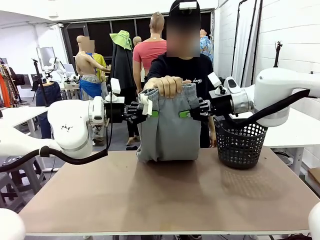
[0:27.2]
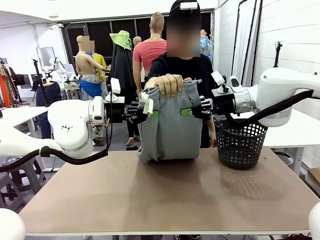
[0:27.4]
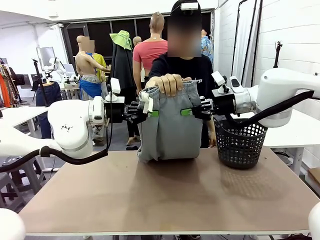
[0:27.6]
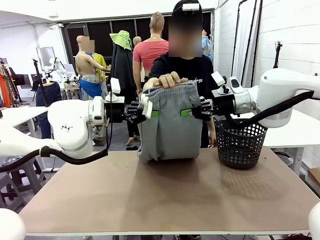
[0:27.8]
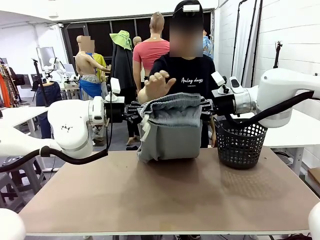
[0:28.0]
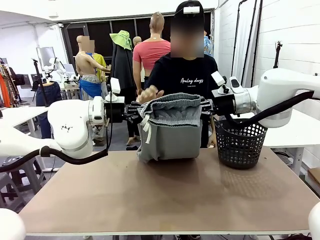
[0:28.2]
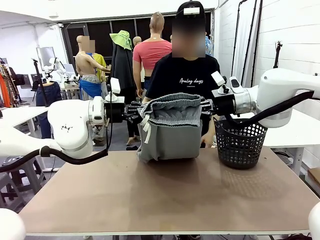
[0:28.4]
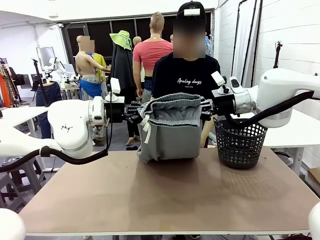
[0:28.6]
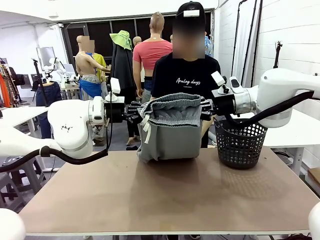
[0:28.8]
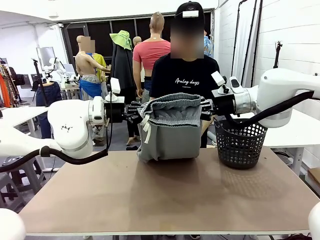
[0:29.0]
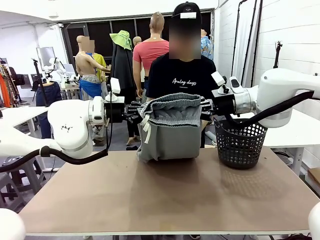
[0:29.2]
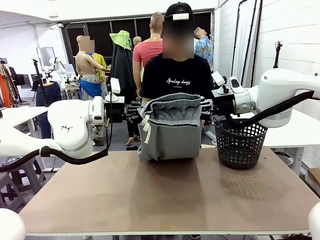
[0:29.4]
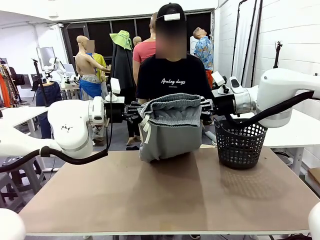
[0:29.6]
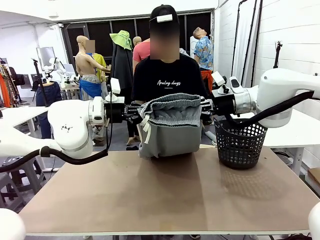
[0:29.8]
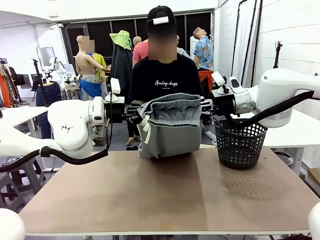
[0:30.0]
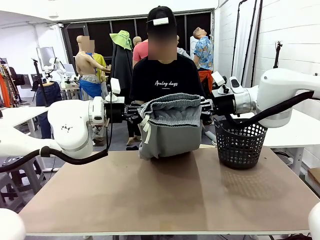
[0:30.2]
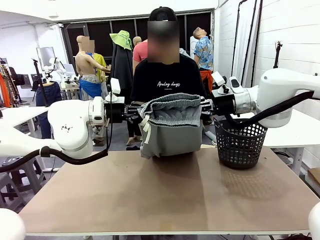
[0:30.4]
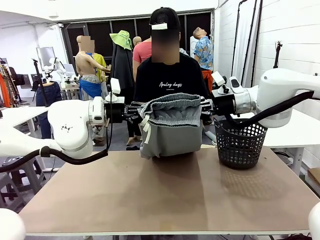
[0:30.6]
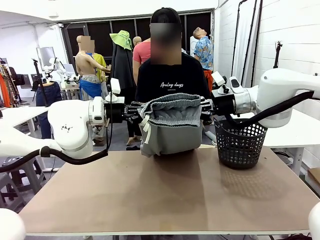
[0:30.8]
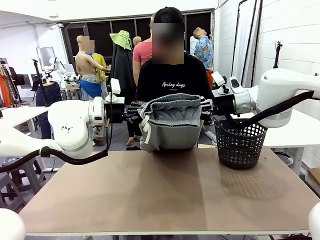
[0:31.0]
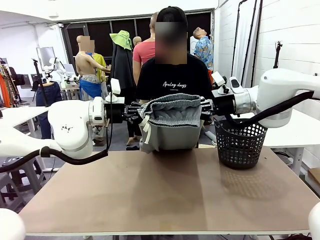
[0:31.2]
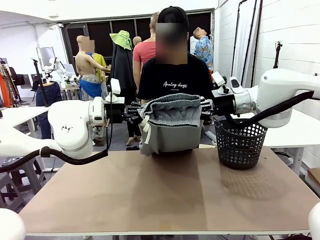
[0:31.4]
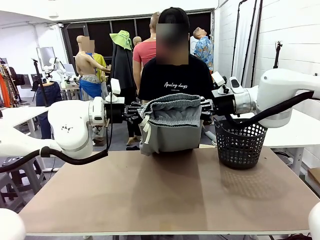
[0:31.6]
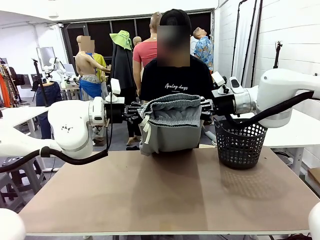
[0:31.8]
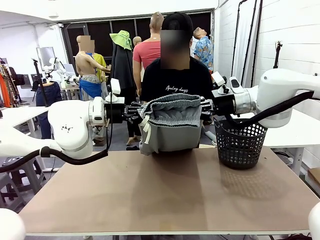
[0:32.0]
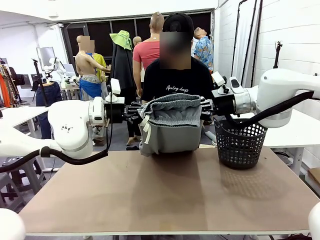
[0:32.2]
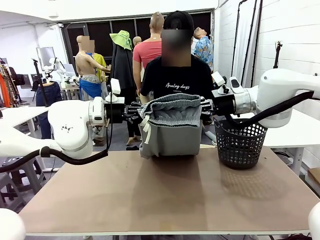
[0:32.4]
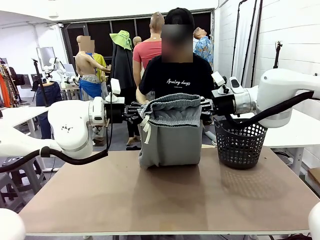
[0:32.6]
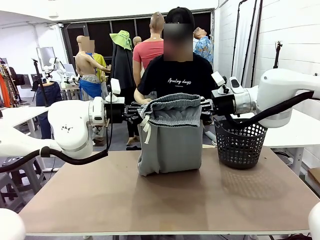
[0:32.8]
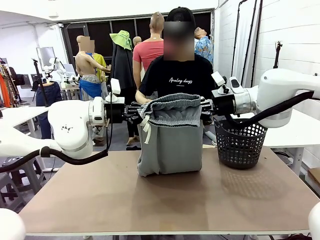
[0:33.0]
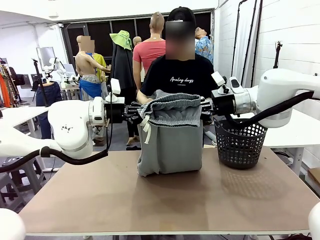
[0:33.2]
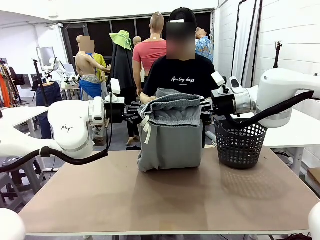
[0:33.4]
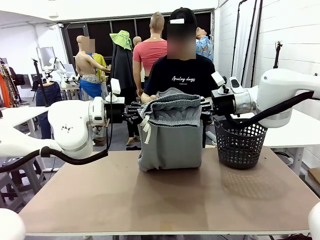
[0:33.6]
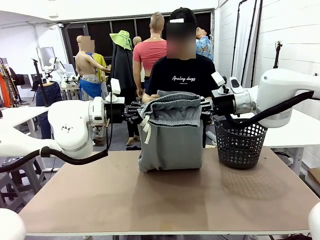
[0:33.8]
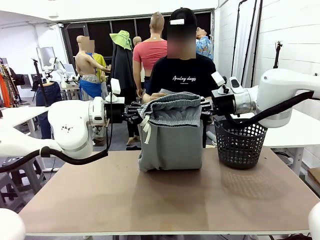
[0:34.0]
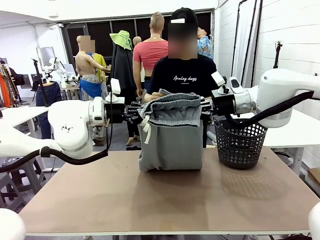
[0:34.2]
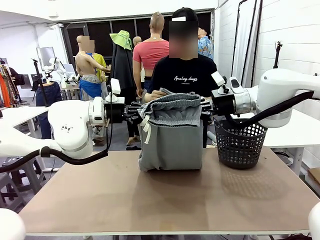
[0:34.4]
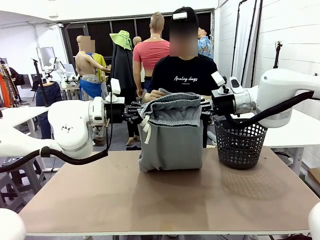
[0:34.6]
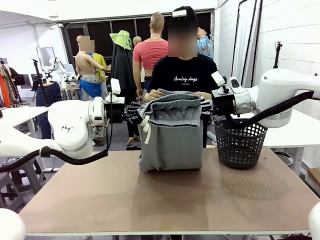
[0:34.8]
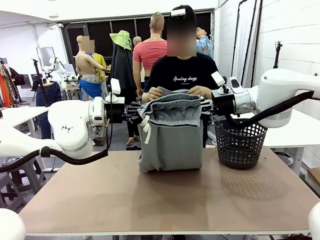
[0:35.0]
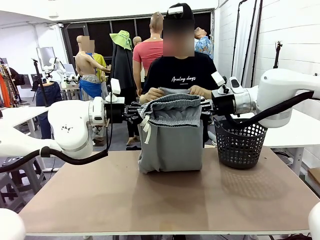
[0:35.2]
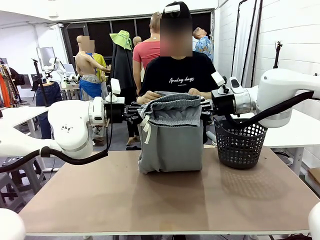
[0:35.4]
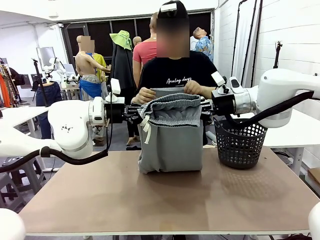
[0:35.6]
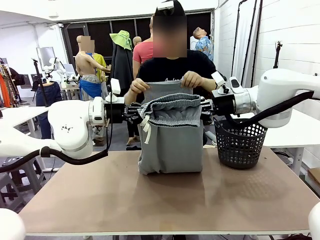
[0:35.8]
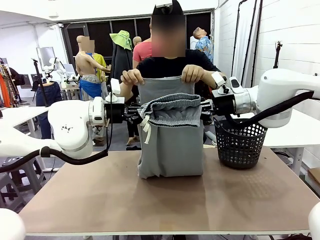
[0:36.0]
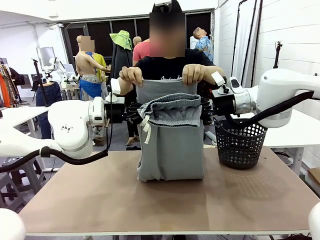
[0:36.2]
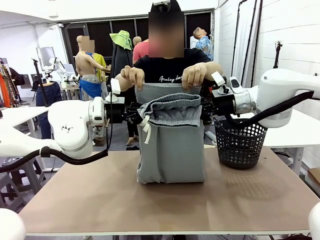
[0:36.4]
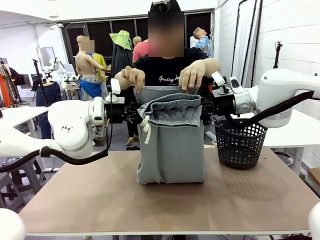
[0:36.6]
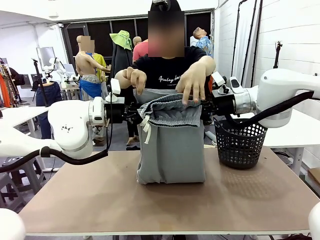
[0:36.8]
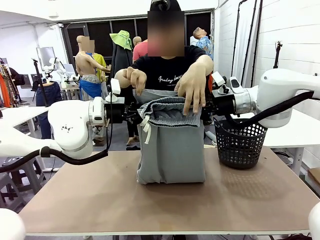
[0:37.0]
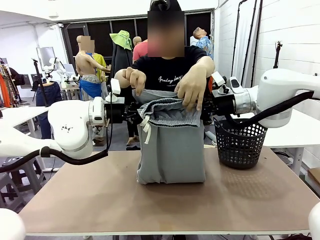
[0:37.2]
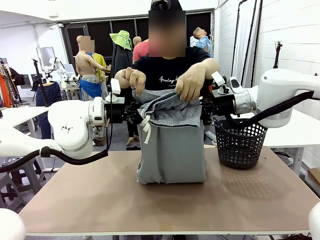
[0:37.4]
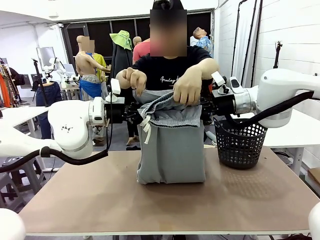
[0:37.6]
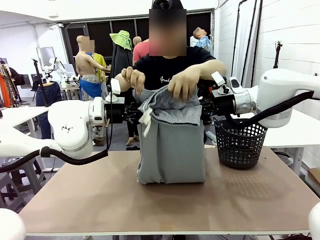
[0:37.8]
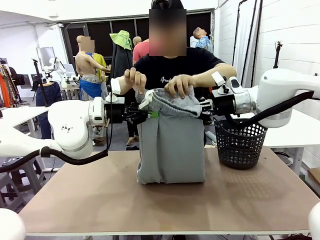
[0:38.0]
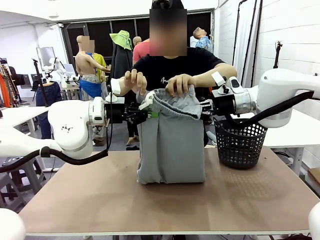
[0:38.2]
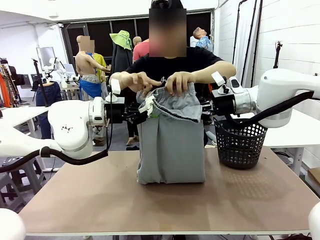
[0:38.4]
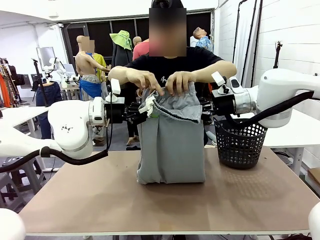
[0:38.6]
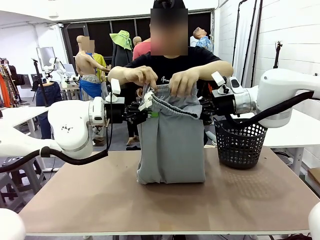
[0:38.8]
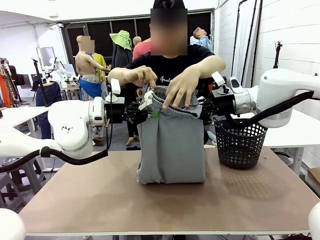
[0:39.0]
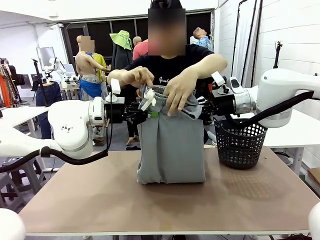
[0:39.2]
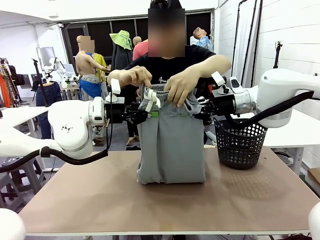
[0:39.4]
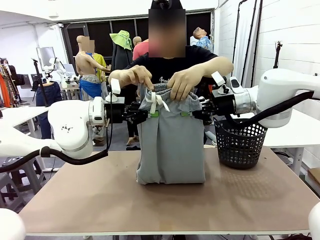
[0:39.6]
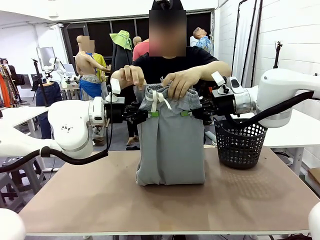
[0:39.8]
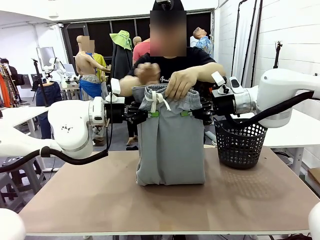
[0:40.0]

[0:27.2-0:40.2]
Task: Fold the training pants.
Robot: Release the ends of the Training pants and then grab the overlapped ends.

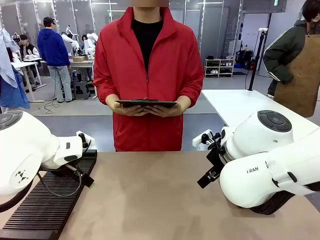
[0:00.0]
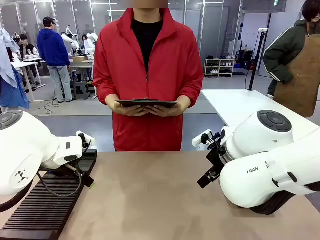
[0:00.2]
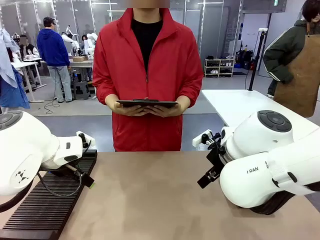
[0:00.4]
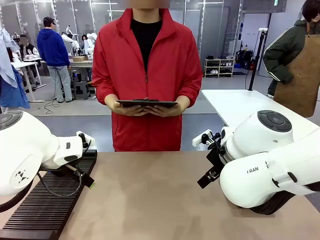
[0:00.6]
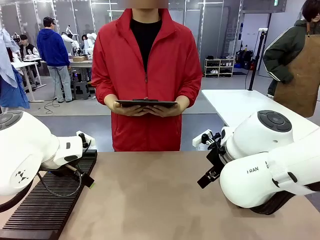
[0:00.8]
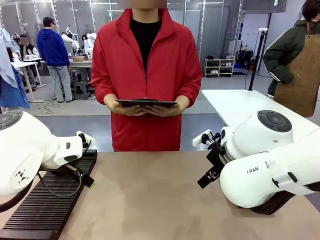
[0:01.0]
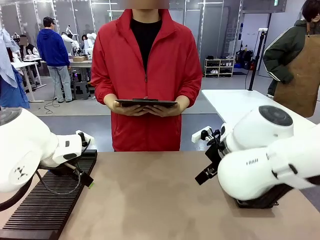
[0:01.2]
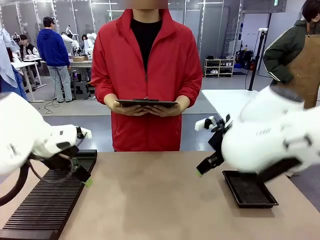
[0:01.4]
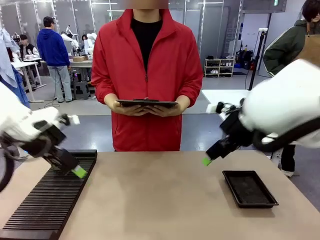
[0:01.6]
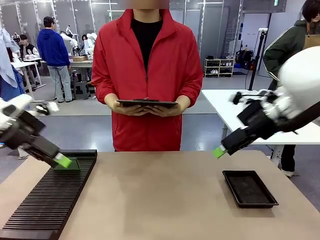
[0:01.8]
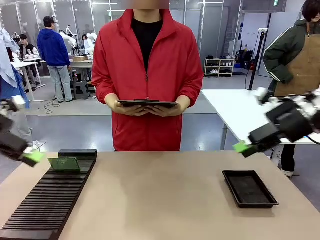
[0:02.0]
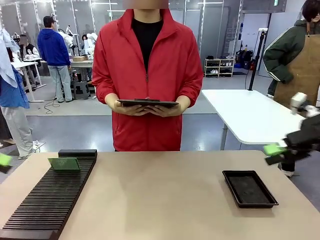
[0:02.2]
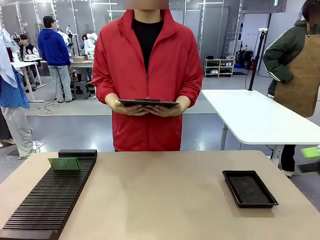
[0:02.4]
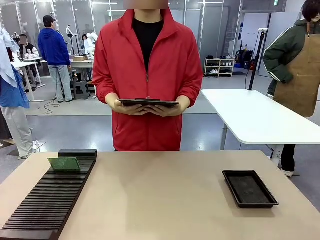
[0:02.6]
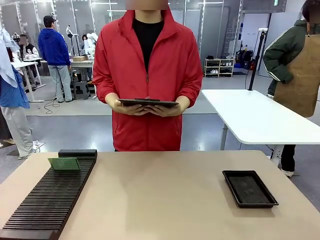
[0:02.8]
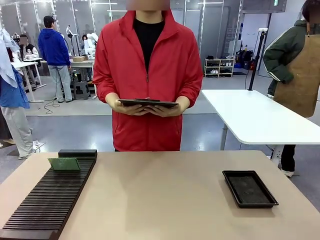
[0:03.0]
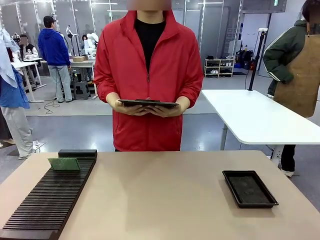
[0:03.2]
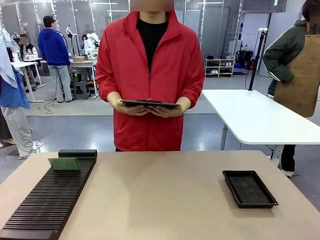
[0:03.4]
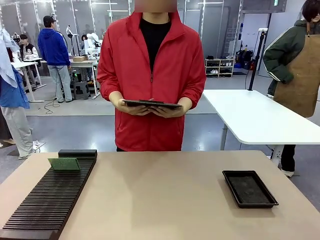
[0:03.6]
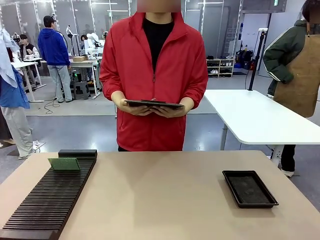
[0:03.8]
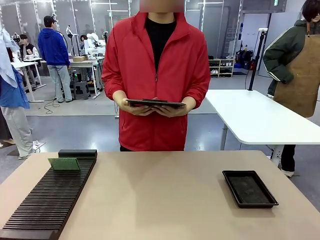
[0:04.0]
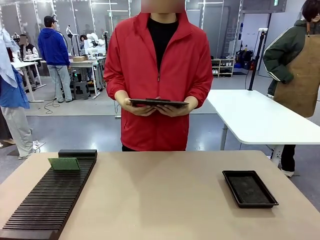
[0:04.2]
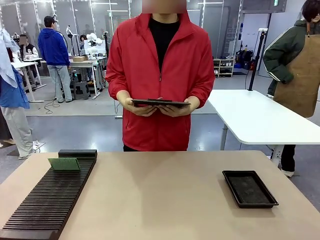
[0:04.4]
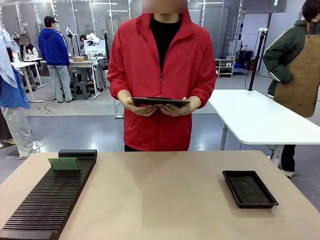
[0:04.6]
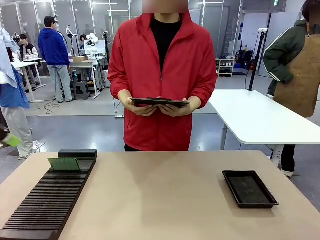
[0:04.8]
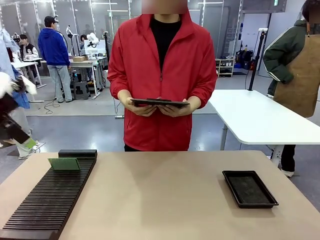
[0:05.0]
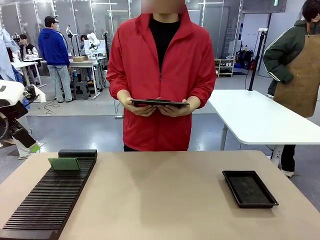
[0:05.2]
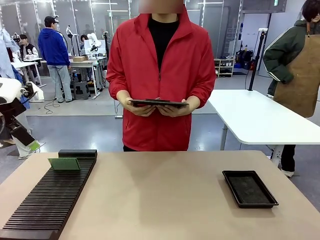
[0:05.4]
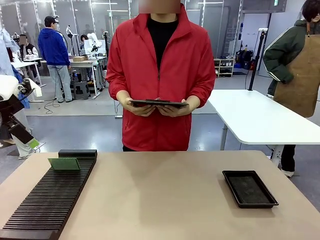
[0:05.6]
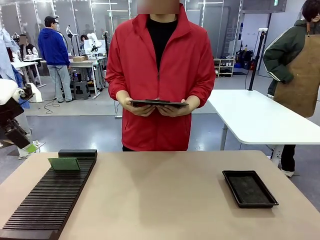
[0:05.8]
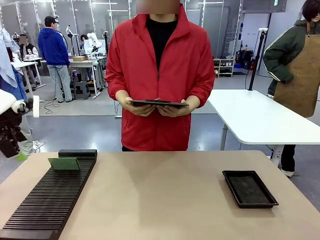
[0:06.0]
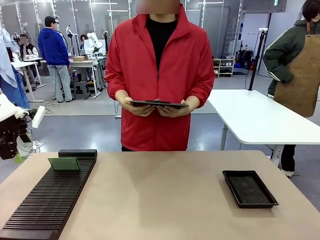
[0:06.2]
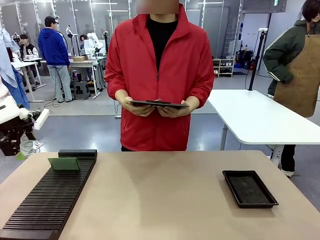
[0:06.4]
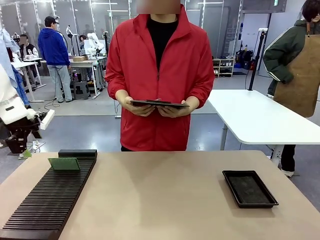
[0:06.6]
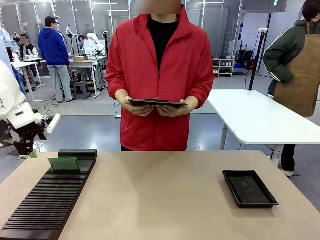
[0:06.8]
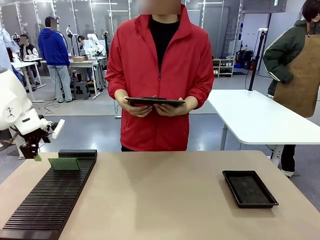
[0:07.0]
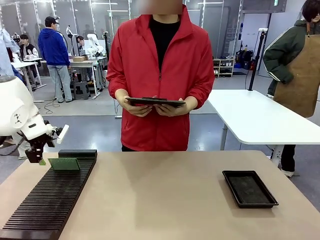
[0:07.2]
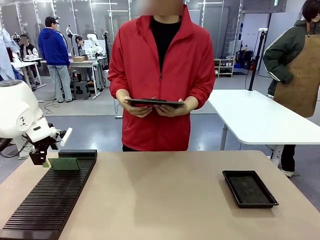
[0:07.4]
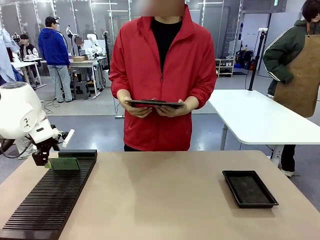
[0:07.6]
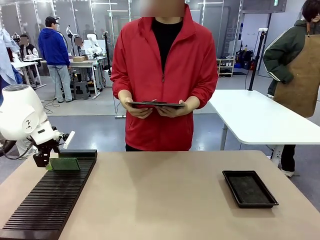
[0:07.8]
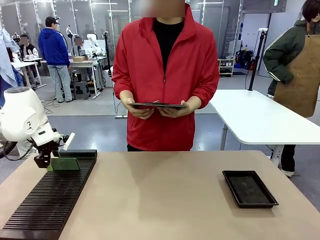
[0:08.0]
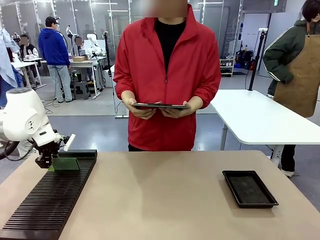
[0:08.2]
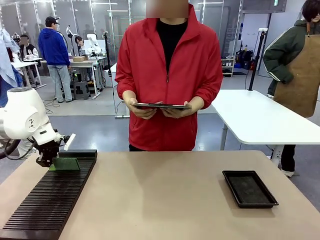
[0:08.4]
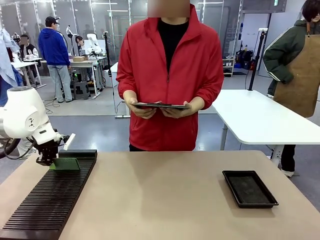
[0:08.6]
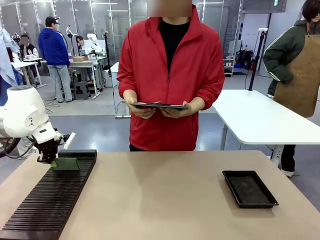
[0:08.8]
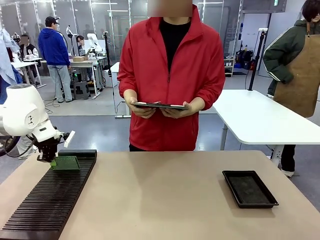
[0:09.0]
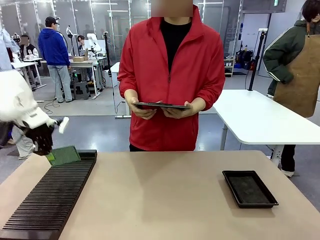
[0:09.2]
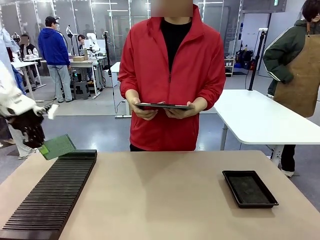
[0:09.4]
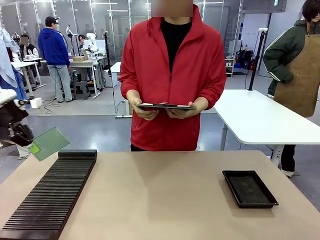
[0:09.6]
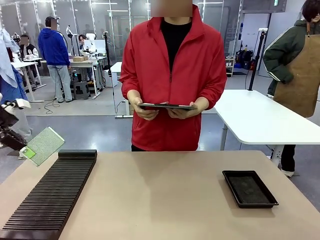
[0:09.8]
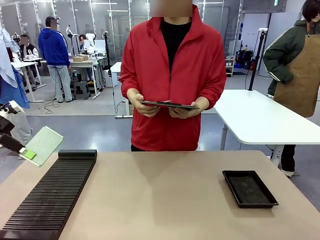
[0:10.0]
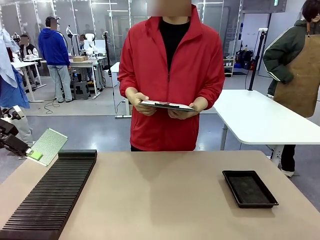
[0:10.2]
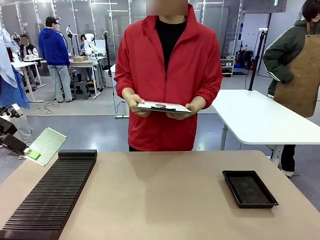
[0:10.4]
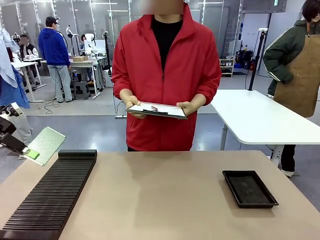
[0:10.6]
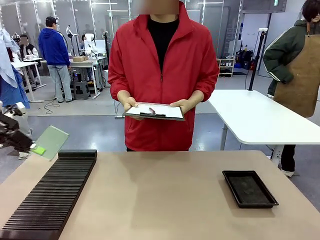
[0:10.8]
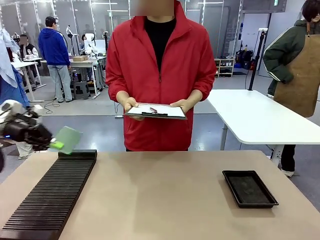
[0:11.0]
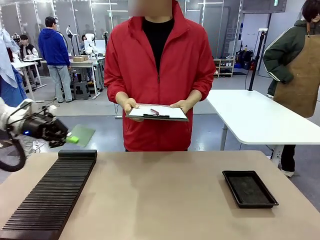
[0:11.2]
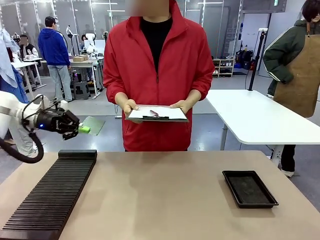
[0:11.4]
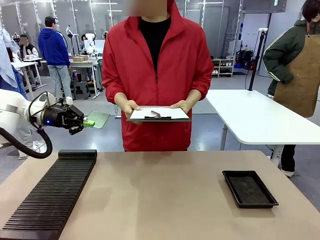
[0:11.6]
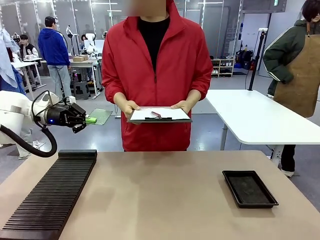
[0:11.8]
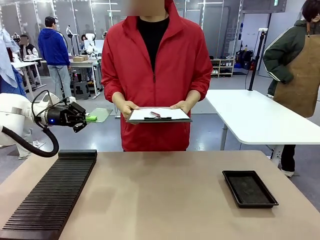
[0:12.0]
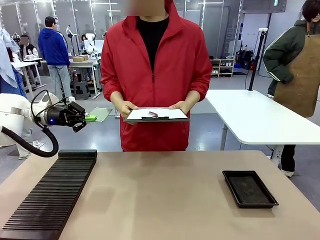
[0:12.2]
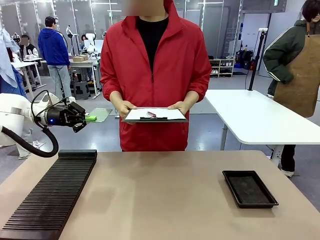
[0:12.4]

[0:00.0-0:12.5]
Task: Inspect the PCB.
Robot: Pick up the Blank PCB and present it to the human.
Person: Pick up the PCB presented by the robot.
